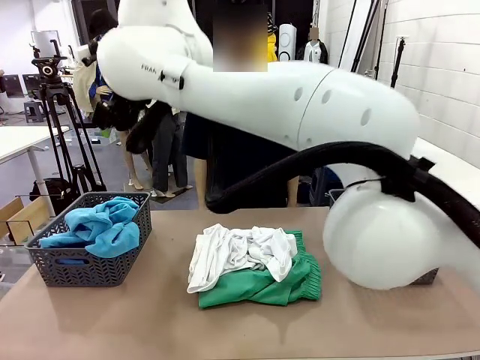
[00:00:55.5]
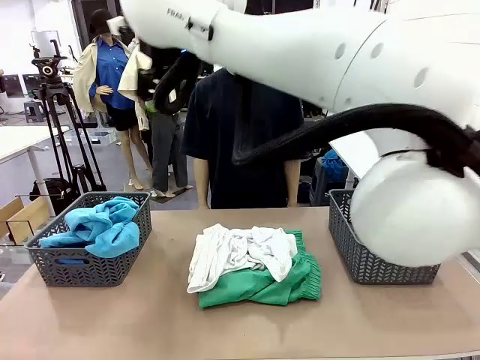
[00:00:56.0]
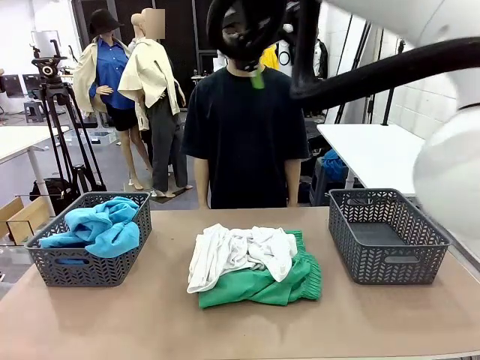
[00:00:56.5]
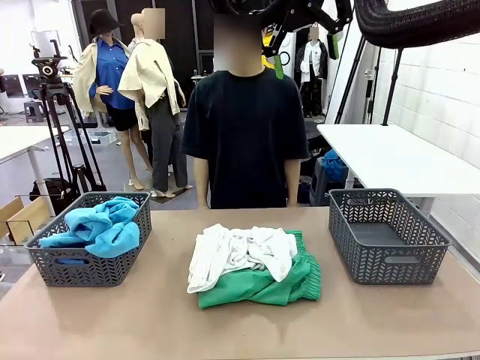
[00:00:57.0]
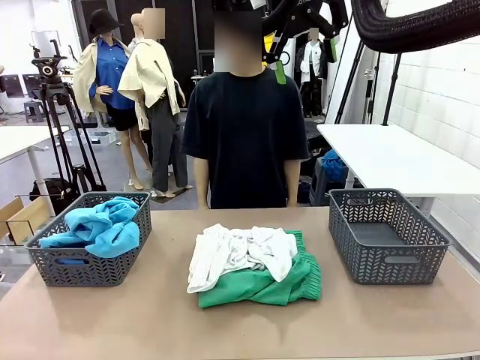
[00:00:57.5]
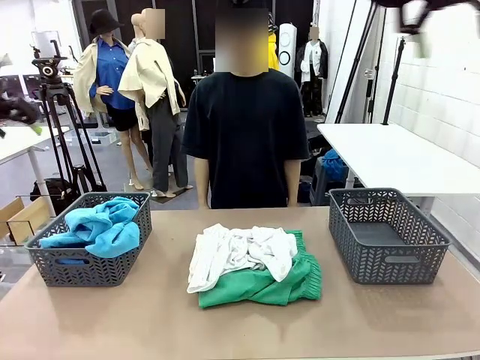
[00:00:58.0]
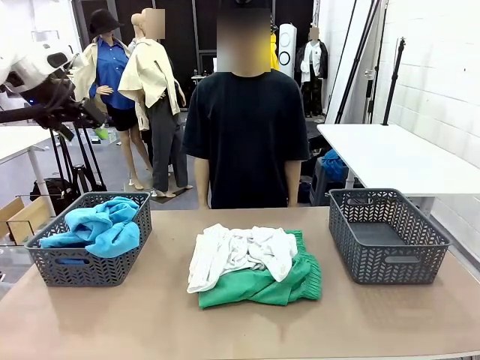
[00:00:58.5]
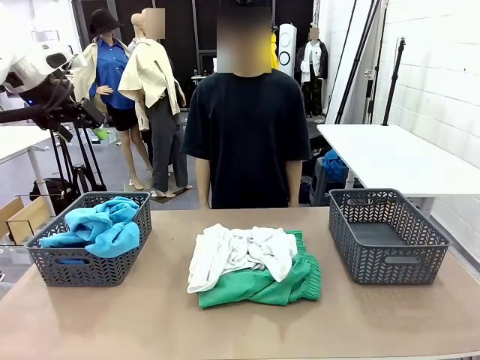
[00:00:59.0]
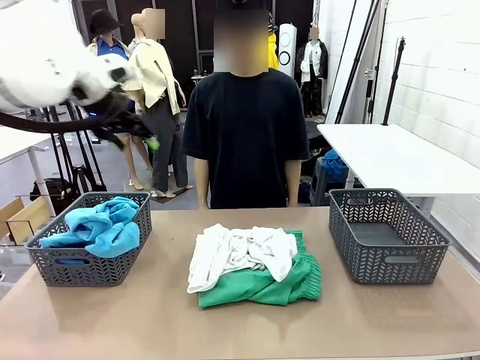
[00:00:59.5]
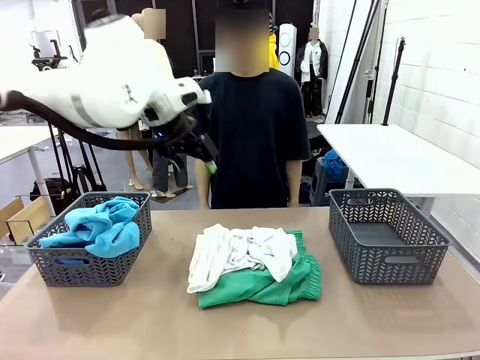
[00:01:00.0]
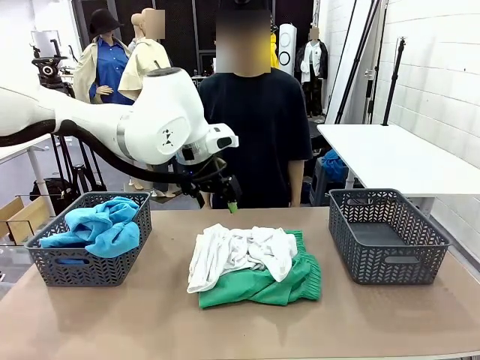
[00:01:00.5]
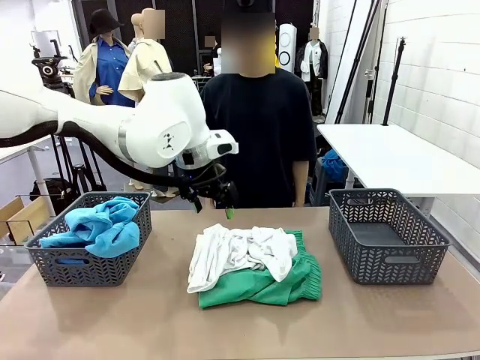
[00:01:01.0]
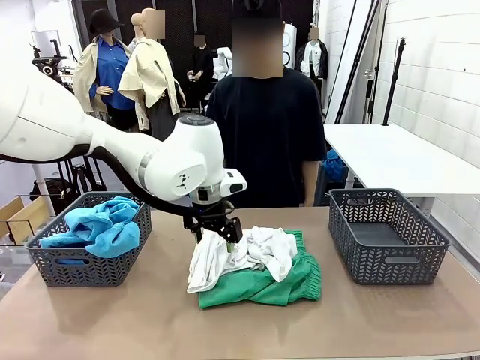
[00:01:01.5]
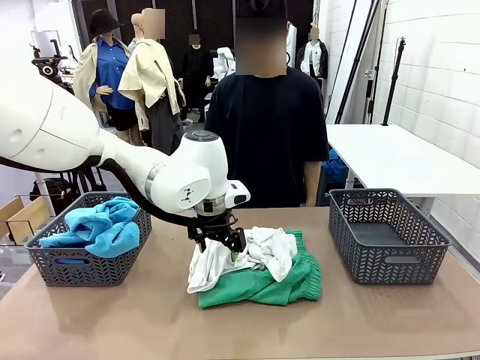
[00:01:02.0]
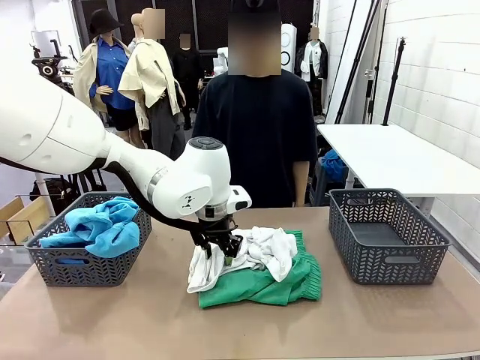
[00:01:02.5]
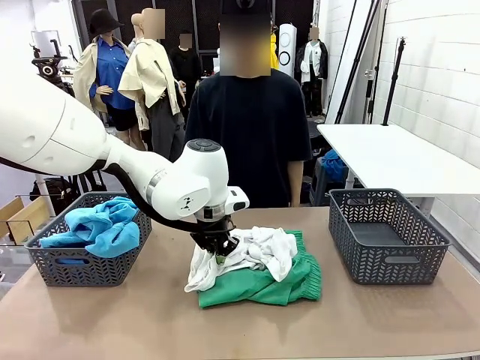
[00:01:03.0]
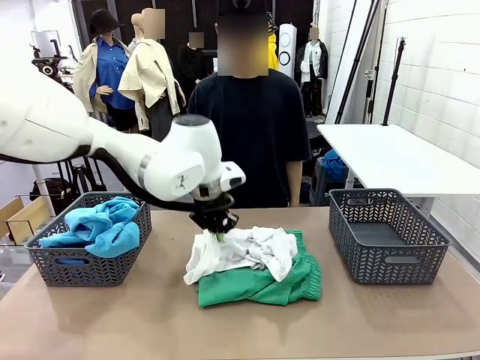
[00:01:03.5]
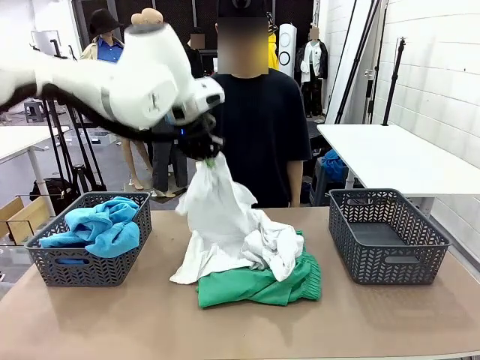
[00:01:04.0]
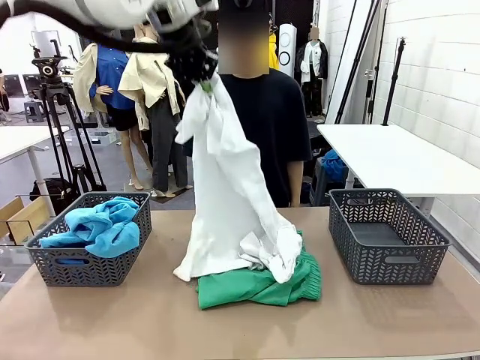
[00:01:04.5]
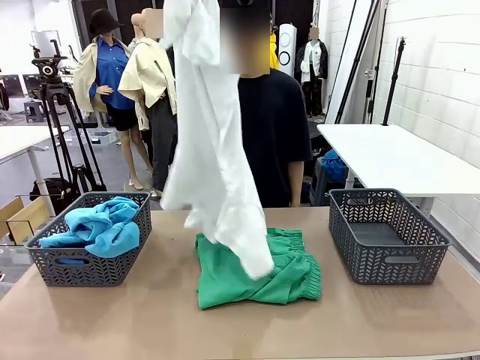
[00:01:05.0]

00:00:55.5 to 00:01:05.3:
Task: Sort the tops and bottoms.
Robot: Lift clothes from the center of the table with your left hand.

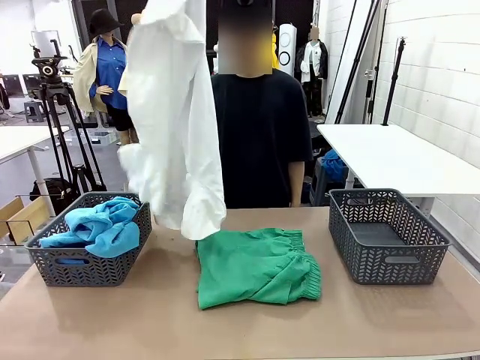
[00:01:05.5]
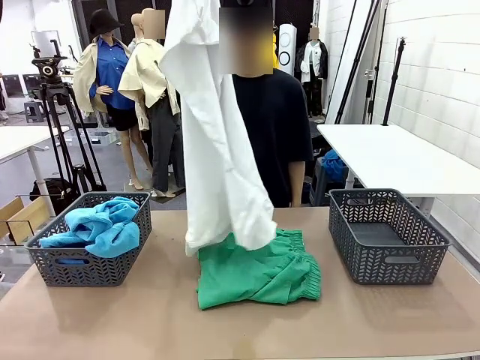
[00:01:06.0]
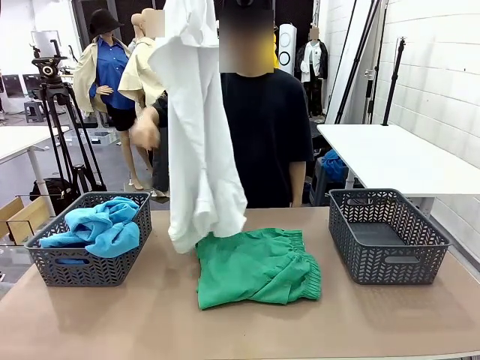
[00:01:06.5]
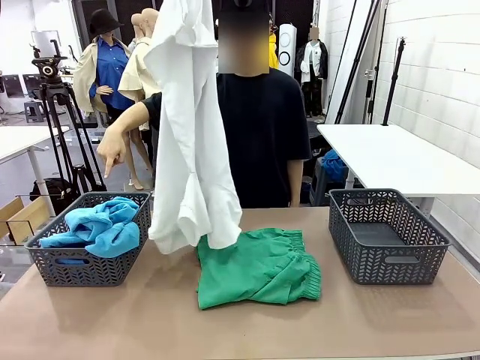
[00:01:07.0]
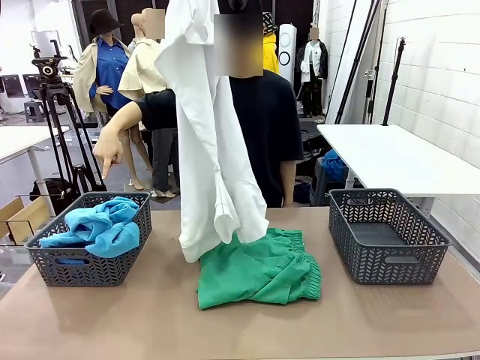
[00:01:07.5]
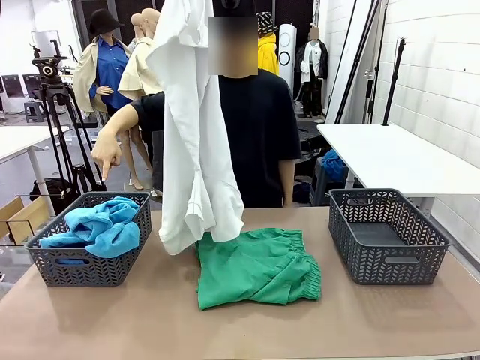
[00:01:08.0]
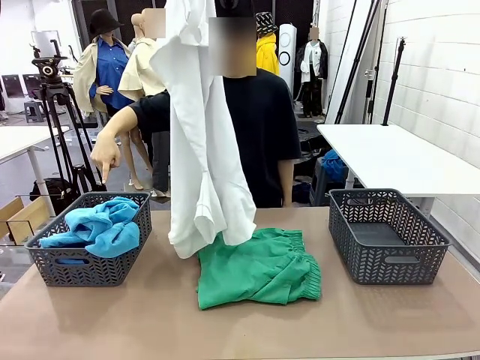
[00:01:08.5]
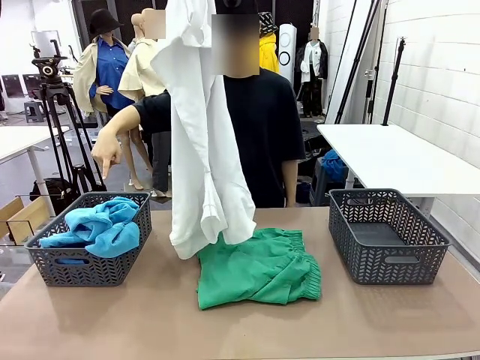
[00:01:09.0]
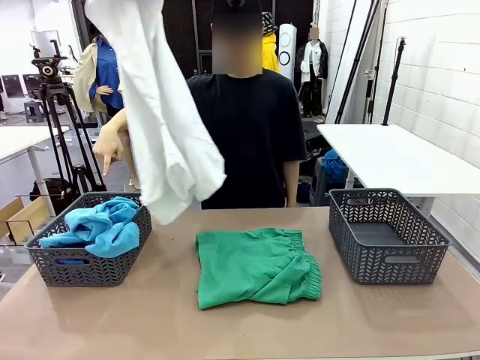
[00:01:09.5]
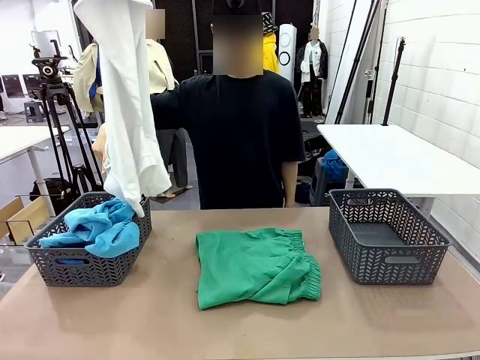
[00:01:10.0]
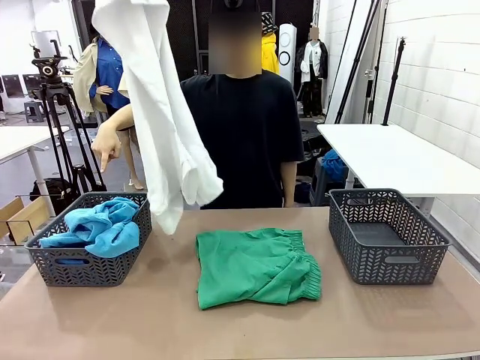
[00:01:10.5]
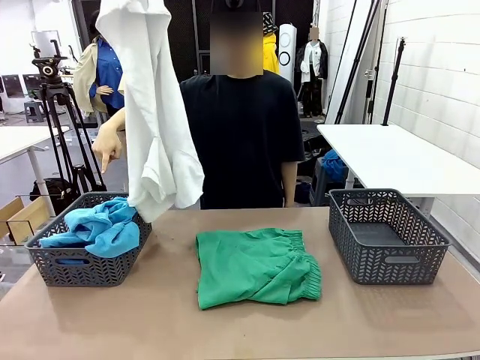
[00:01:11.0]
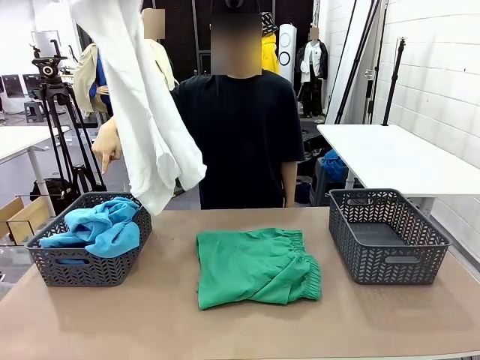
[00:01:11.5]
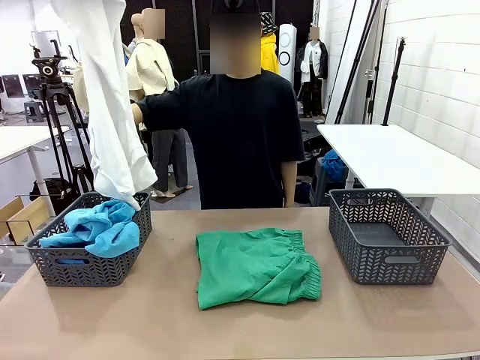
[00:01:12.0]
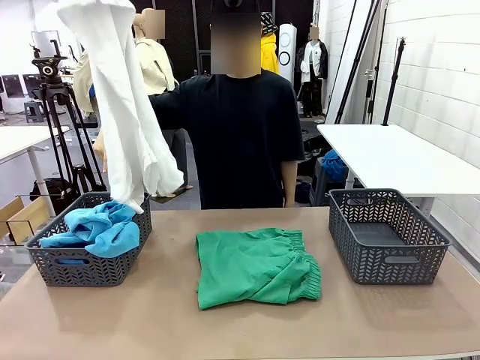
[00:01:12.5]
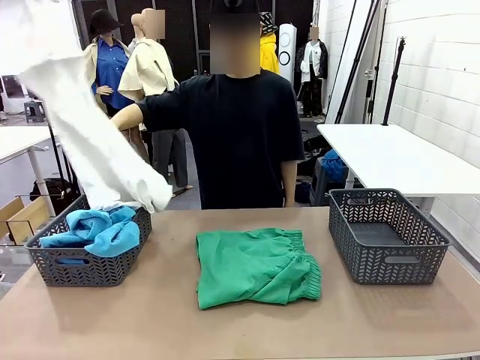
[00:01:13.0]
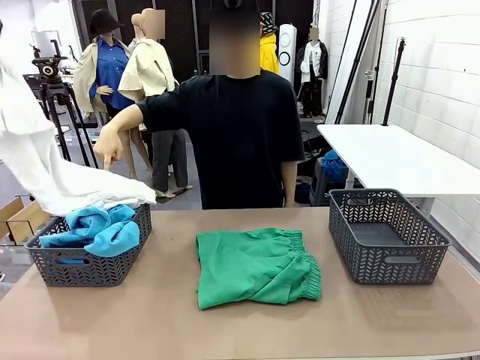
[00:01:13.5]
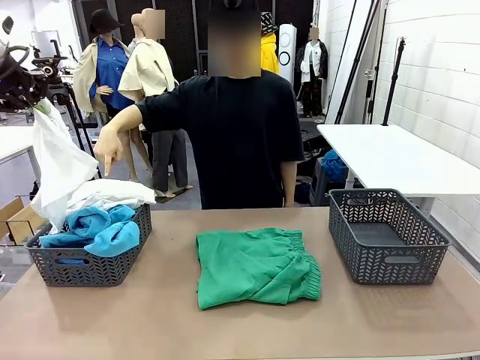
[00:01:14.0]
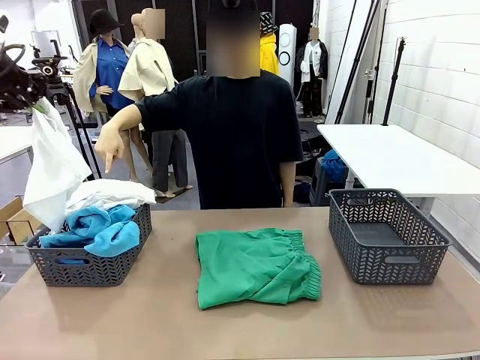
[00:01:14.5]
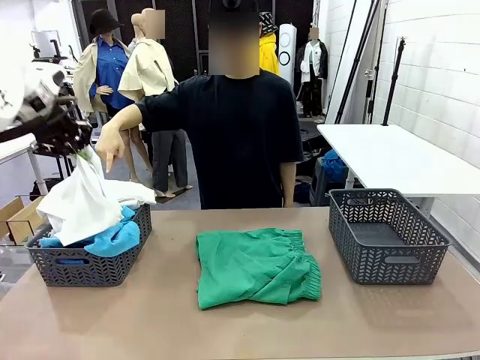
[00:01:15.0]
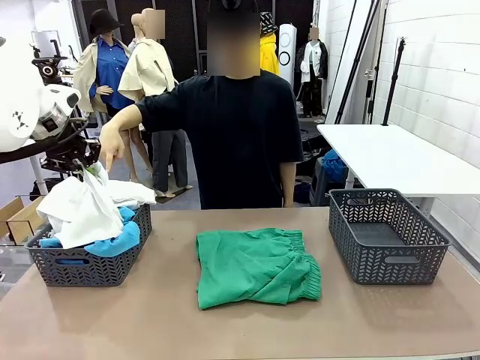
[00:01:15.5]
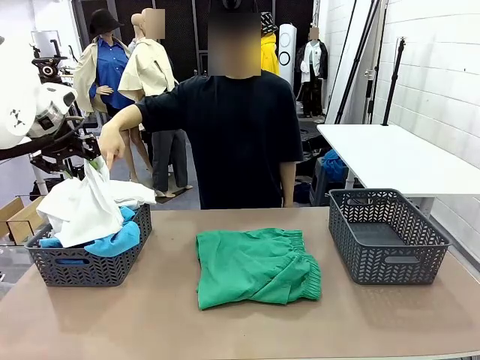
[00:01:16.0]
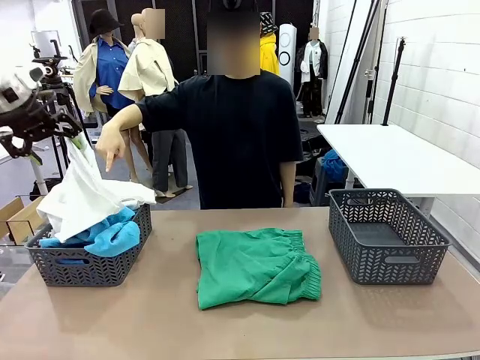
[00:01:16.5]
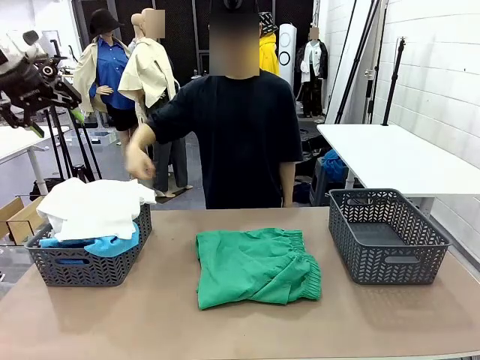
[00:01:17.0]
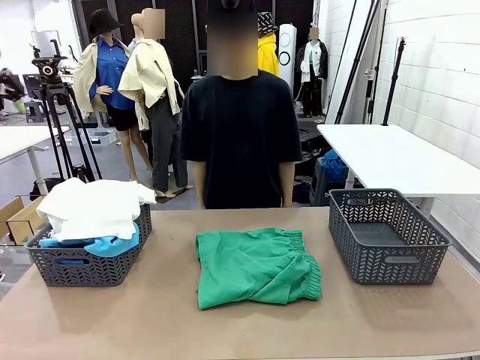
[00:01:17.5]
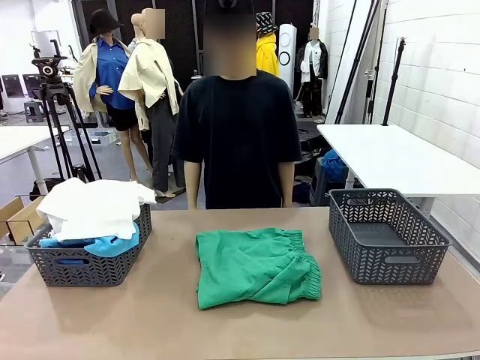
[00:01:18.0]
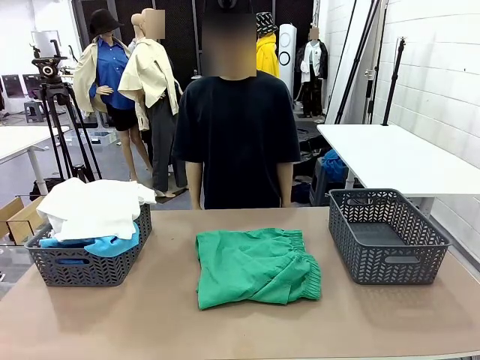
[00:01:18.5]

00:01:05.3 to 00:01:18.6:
Robot: Sort the clothes according to human instructions.

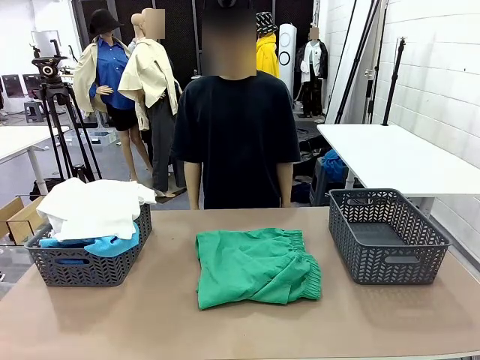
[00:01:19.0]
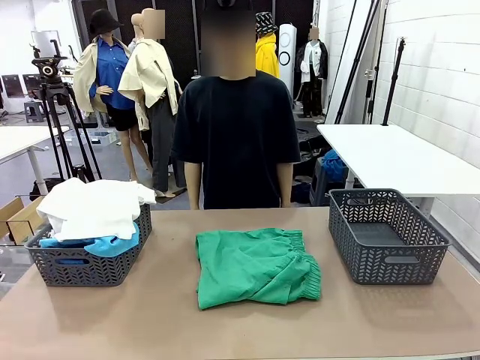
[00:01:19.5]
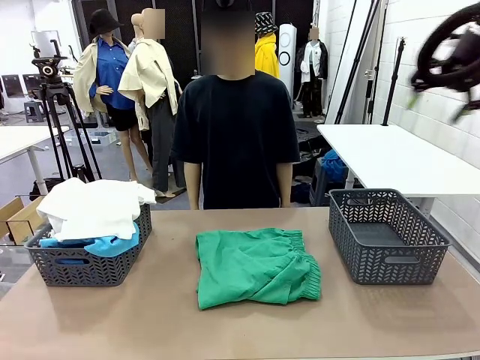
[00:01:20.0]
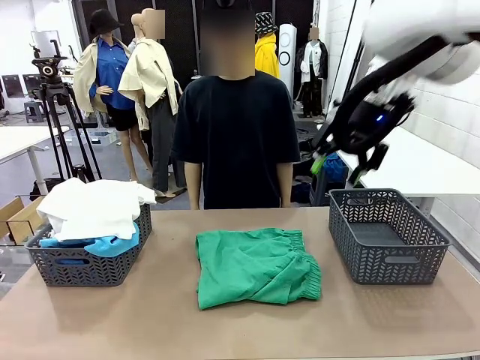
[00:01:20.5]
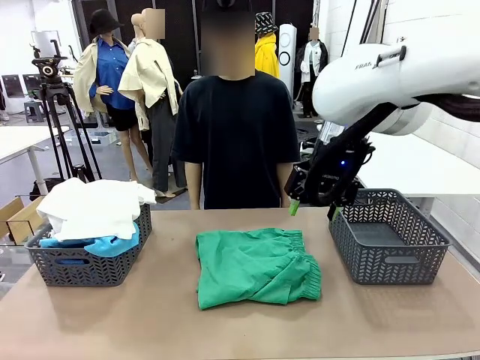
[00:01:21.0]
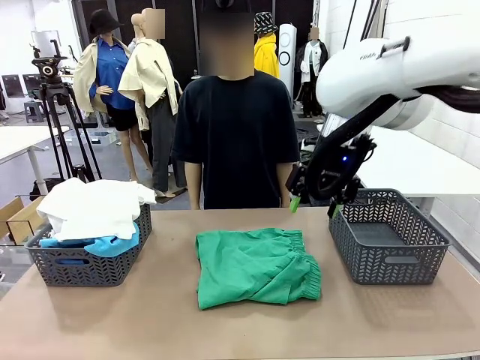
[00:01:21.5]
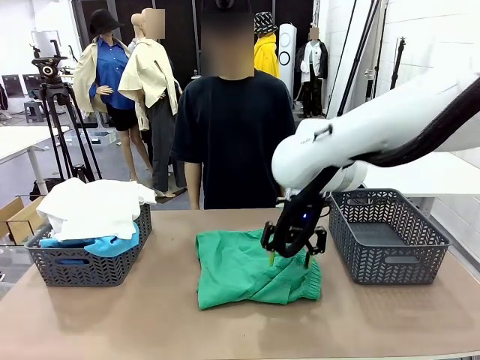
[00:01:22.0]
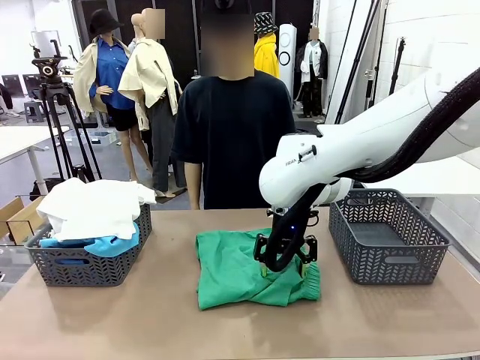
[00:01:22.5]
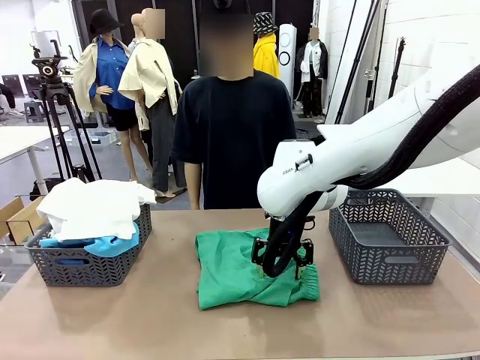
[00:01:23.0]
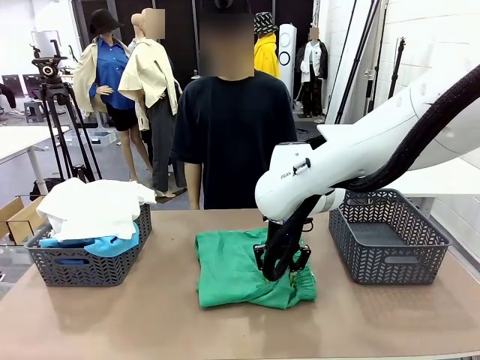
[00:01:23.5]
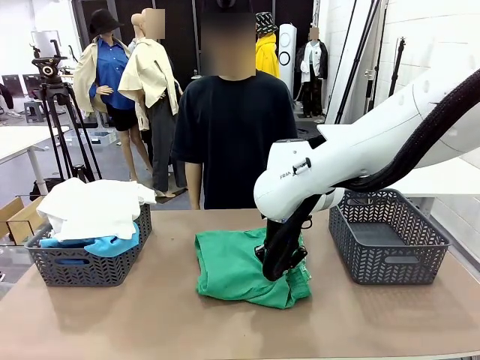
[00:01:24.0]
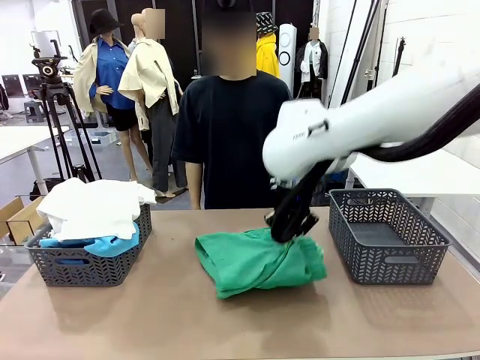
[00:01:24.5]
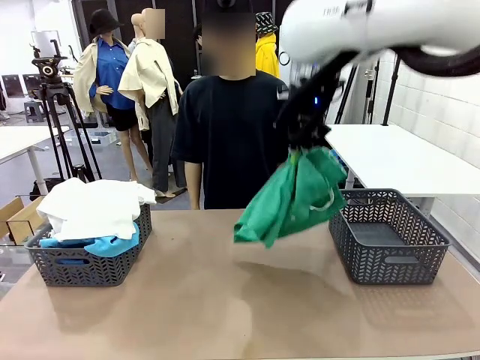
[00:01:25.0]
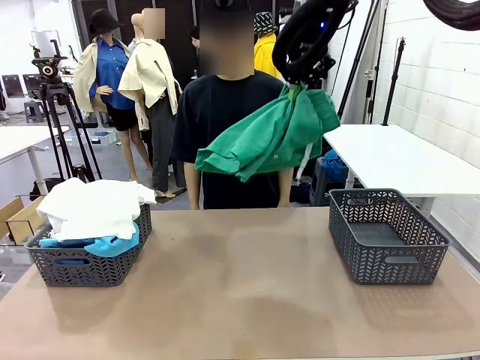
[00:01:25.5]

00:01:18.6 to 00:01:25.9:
Robot: Lift clothes from the center of the table with your right hand.
